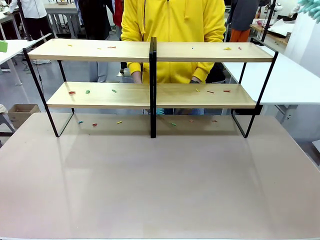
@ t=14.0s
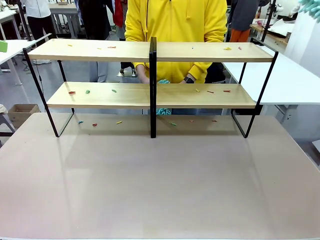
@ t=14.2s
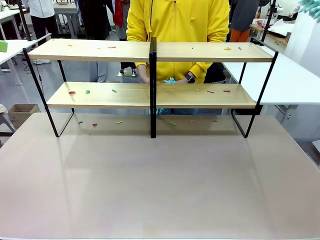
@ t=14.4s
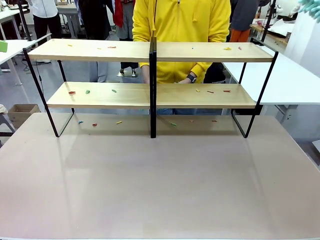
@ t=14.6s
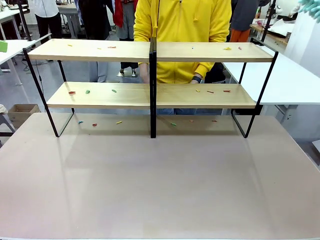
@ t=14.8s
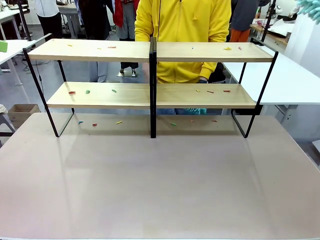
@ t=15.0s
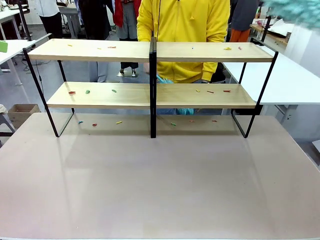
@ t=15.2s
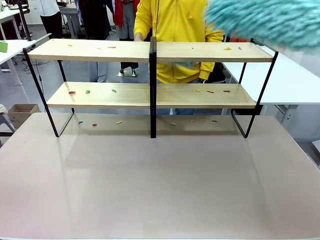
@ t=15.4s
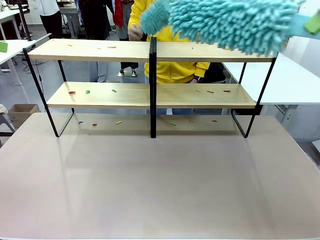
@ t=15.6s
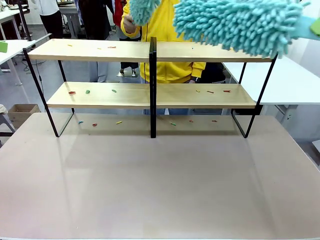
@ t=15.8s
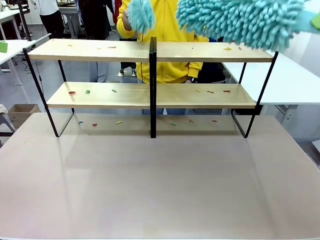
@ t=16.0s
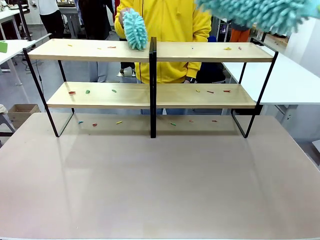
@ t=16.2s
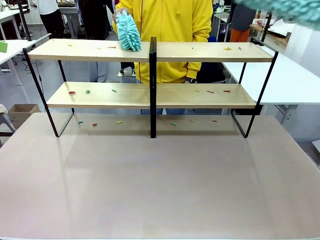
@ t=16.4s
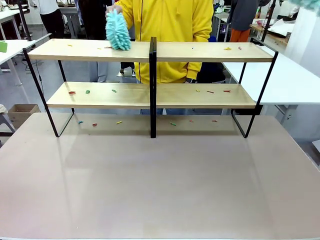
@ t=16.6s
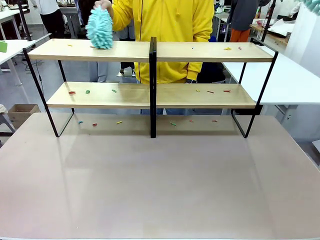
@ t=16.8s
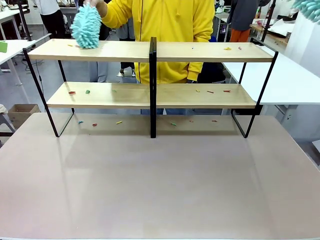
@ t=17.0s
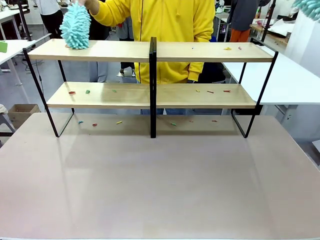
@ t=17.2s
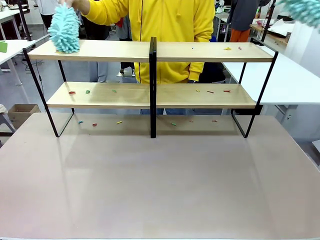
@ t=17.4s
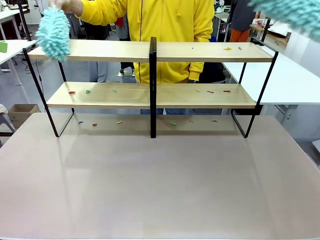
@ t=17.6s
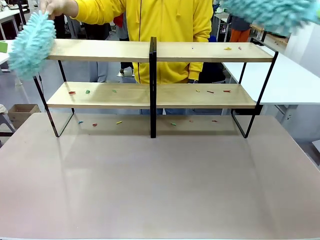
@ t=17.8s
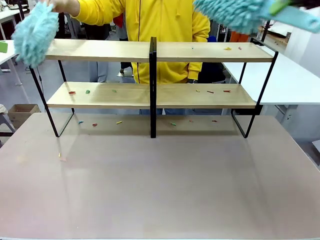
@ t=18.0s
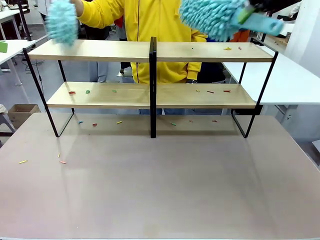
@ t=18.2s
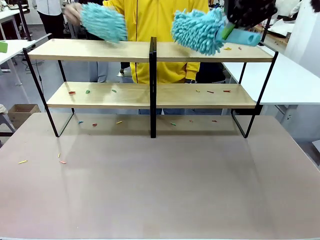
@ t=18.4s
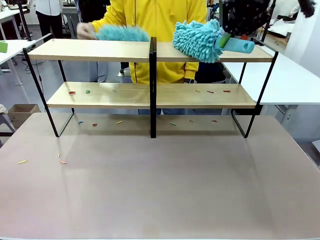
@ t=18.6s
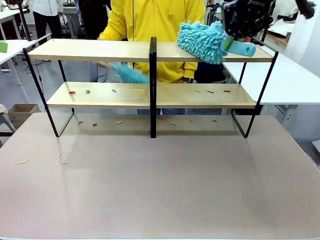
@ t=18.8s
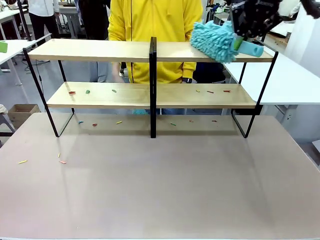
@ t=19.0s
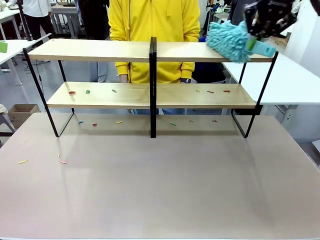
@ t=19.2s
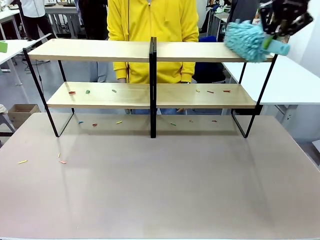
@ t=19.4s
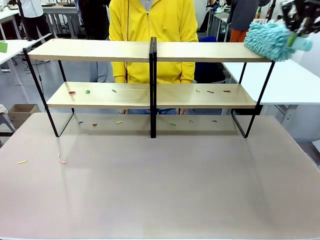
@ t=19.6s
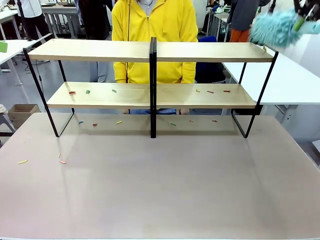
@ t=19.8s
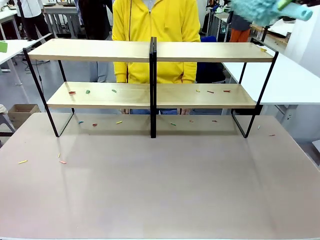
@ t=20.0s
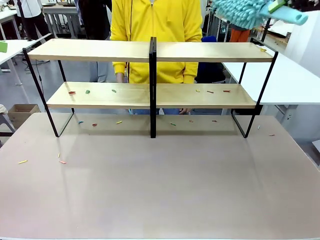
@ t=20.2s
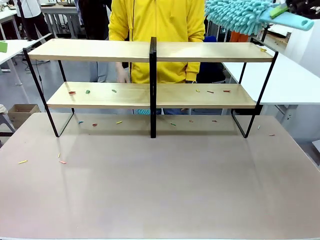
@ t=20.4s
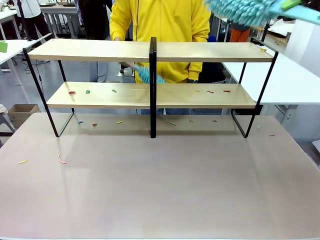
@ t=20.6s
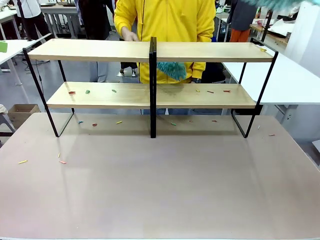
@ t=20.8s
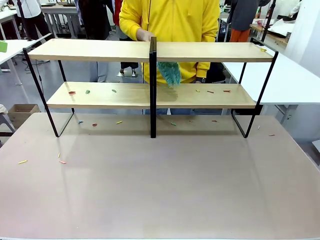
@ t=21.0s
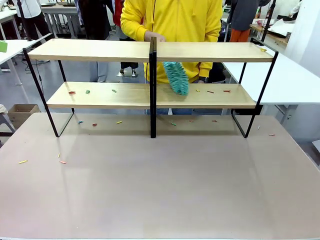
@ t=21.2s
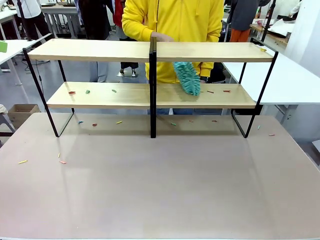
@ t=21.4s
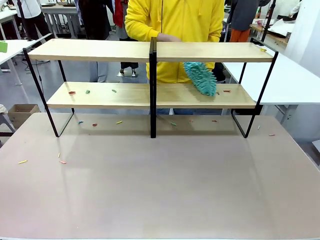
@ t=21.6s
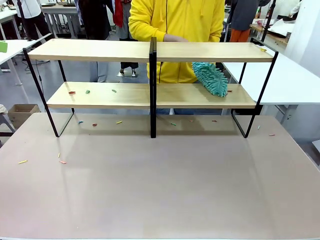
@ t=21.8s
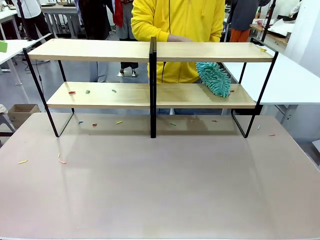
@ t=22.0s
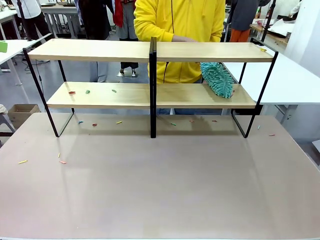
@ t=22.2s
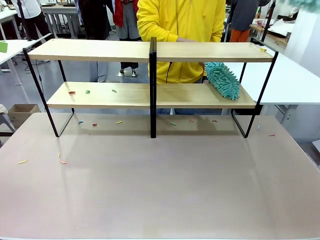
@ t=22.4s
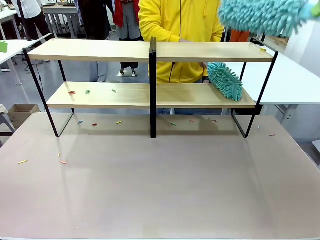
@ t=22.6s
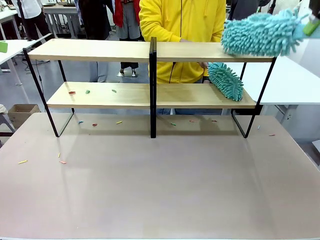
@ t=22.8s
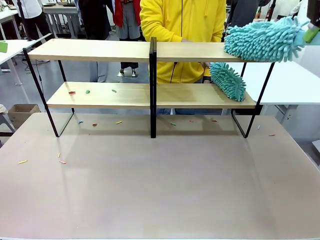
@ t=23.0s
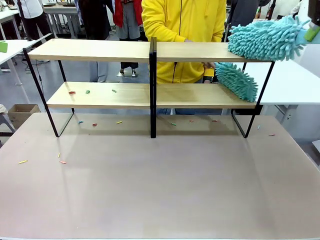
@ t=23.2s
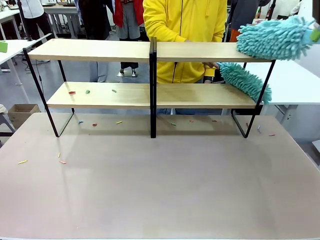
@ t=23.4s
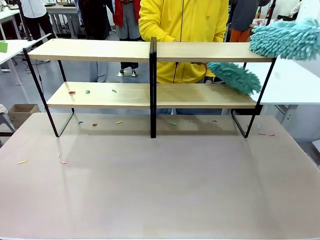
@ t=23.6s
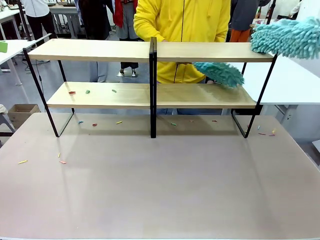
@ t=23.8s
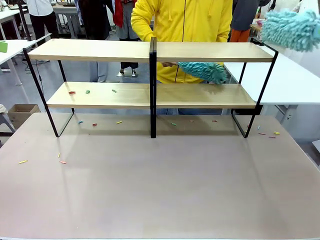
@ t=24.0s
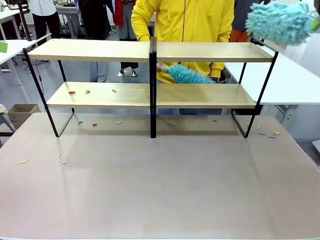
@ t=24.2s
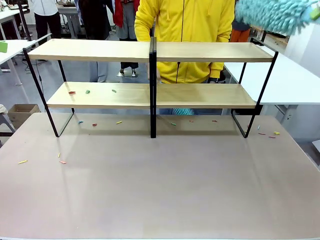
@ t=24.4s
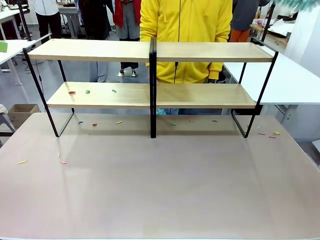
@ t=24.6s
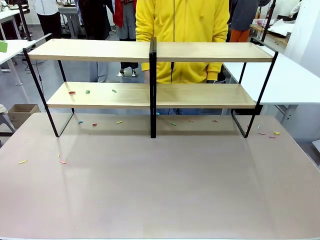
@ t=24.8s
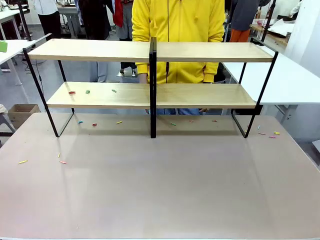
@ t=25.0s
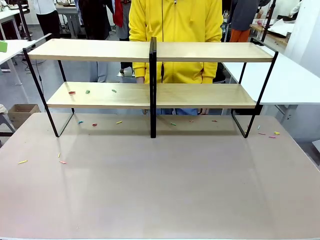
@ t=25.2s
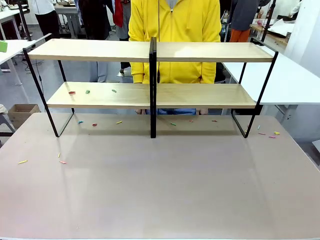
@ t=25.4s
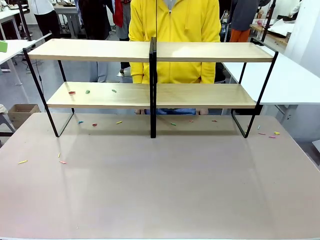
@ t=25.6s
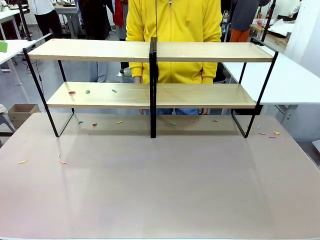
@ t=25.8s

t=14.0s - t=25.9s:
Task: Clean the shelves.
Robot: Clean a randomly selected level of the Shelf with the Duster.

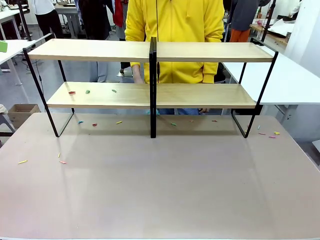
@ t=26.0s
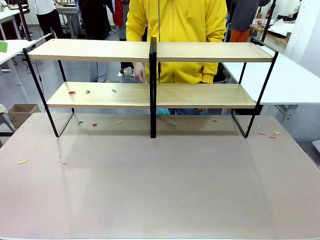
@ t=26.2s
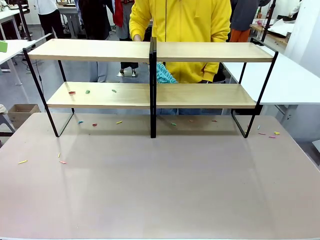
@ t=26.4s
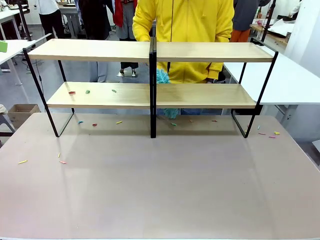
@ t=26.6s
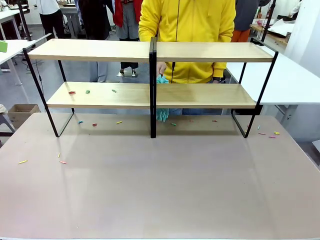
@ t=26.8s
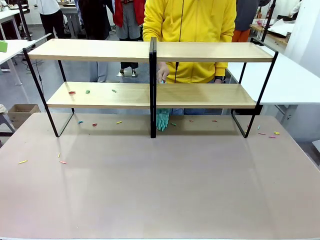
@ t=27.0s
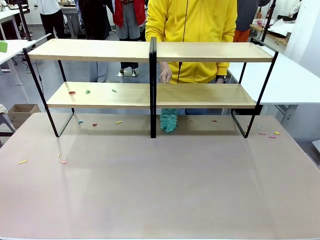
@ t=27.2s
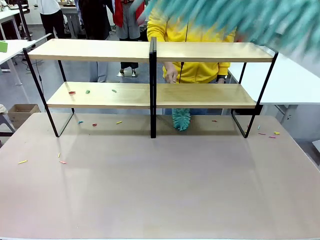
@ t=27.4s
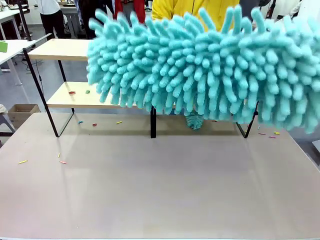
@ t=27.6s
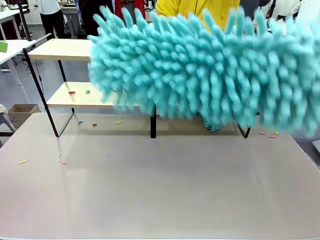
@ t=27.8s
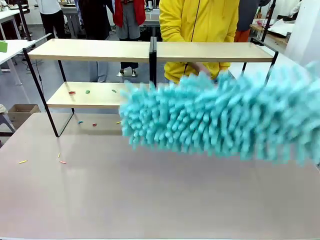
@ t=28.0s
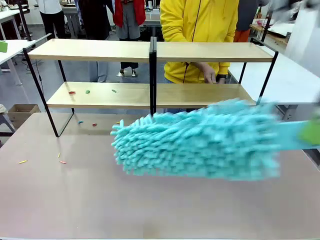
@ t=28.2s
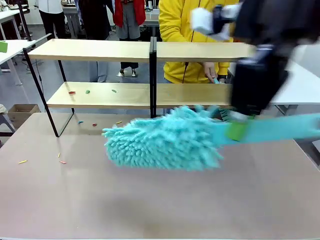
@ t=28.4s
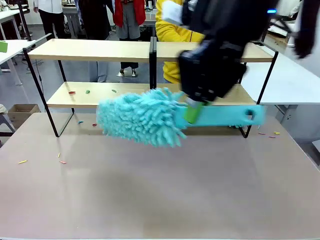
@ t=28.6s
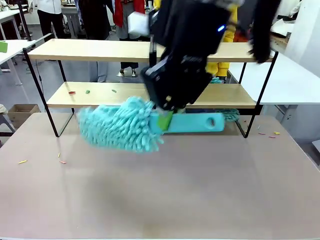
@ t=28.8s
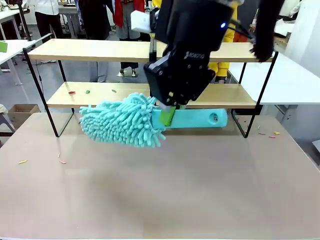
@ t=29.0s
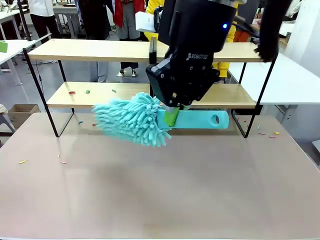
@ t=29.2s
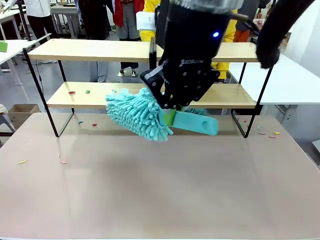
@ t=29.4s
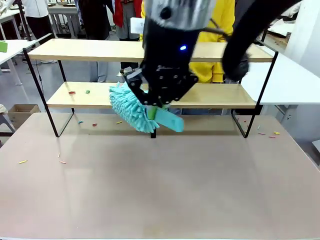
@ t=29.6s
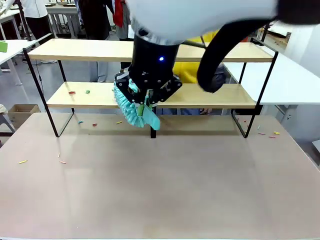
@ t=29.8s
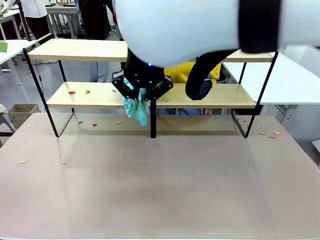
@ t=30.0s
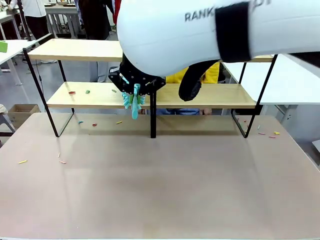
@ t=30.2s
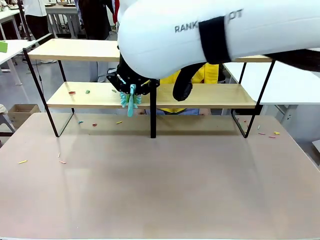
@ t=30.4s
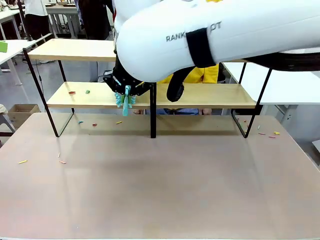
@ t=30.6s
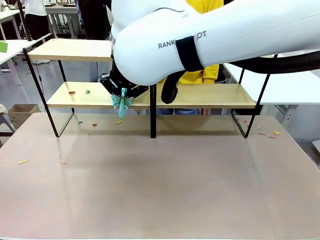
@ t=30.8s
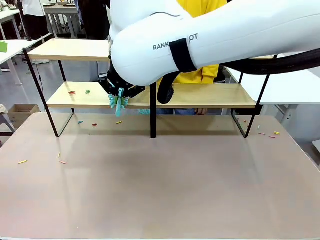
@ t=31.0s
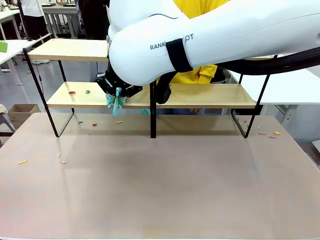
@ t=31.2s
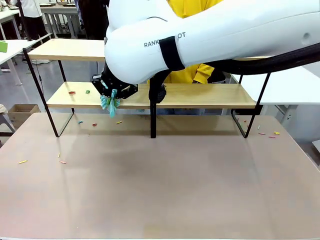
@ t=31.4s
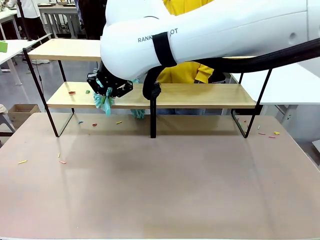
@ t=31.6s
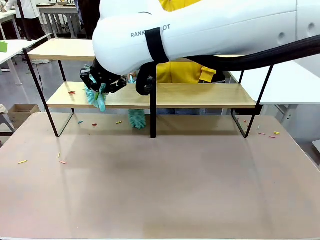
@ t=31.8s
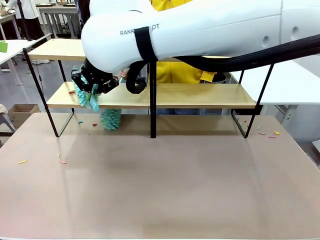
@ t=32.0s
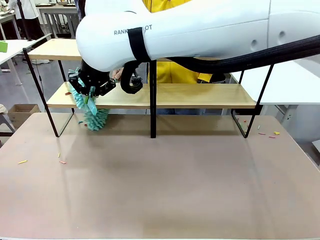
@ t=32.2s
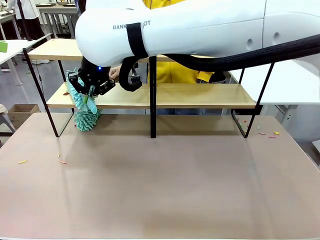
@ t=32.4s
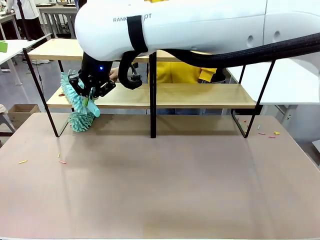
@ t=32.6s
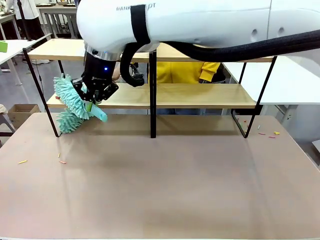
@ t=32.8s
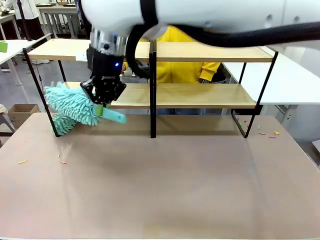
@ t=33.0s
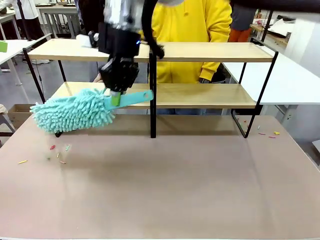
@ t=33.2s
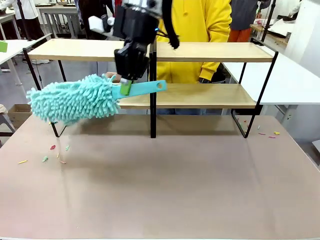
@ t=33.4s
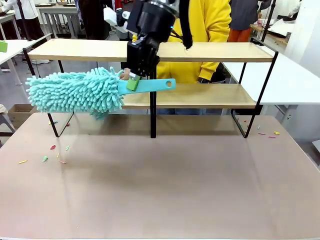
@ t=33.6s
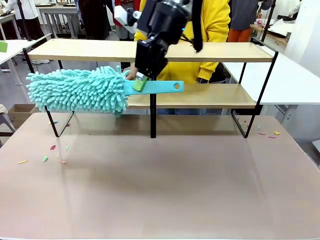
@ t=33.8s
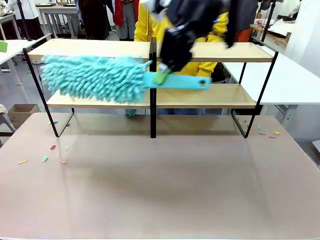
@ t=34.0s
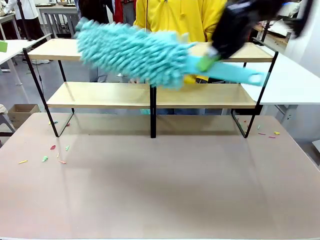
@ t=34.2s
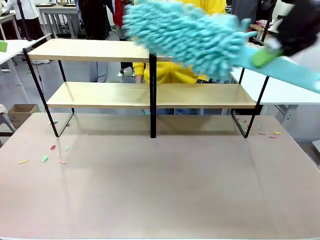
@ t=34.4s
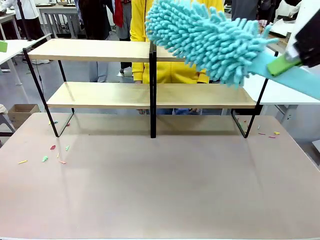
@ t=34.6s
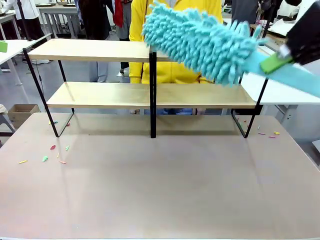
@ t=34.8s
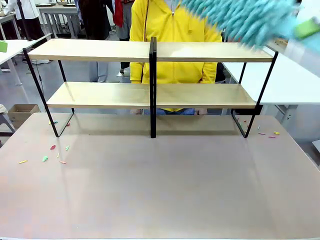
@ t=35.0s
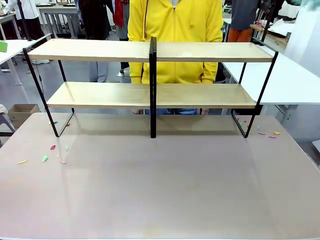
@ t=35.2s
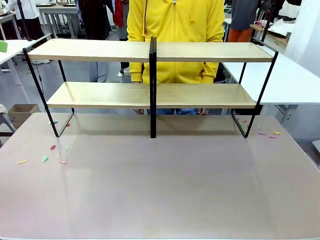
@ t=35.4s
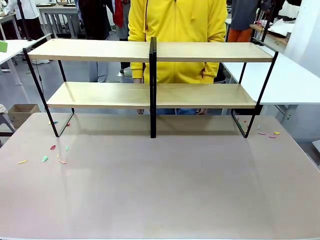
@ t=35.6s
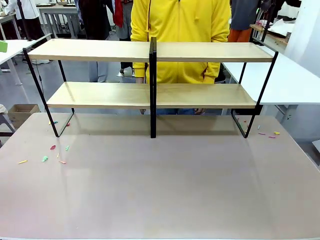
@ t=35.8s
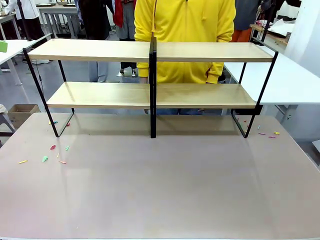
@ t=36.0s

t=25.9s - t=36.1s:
Robot: Clean another randomly selected level of the Shelf with the Duster.
